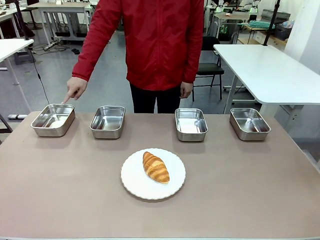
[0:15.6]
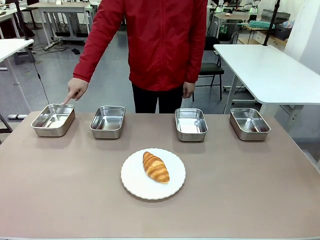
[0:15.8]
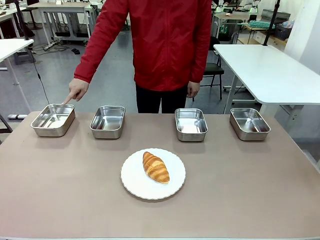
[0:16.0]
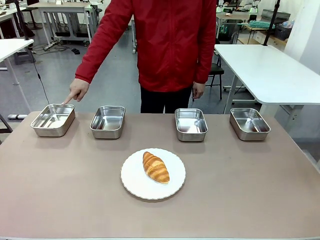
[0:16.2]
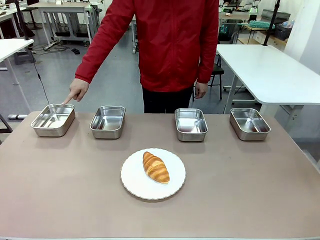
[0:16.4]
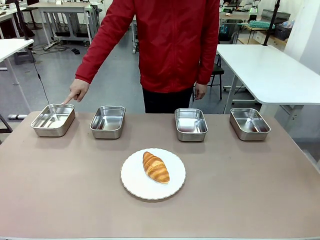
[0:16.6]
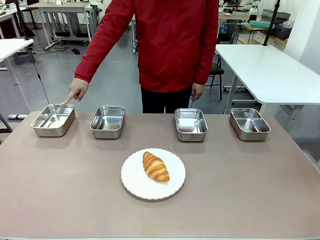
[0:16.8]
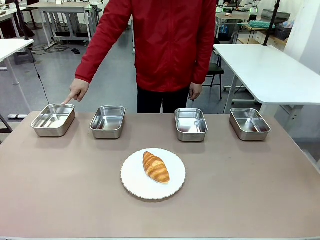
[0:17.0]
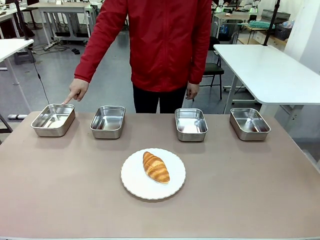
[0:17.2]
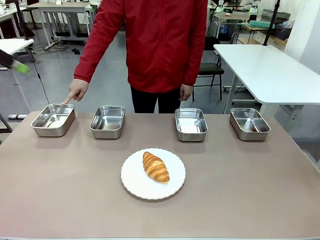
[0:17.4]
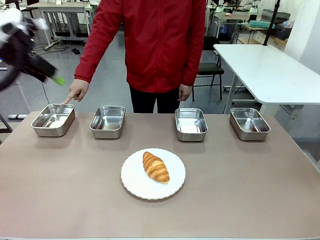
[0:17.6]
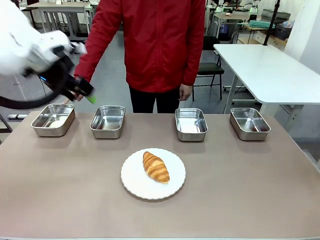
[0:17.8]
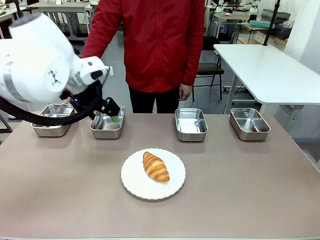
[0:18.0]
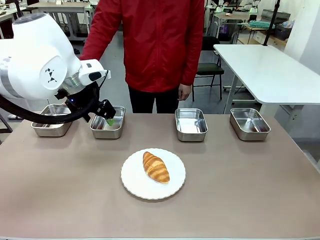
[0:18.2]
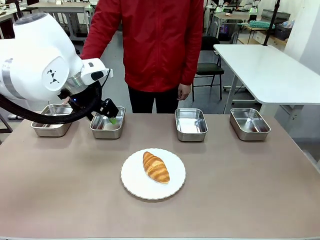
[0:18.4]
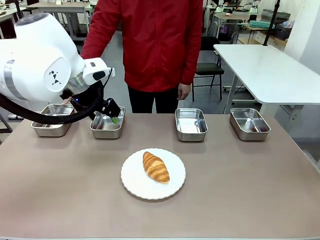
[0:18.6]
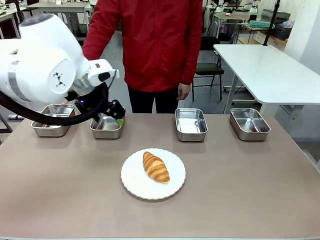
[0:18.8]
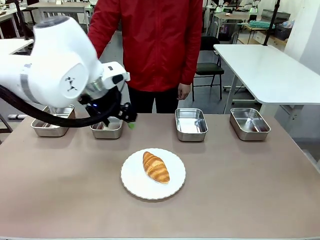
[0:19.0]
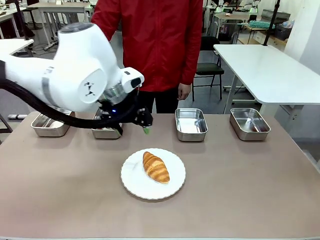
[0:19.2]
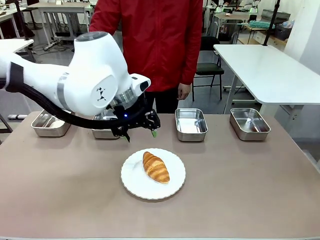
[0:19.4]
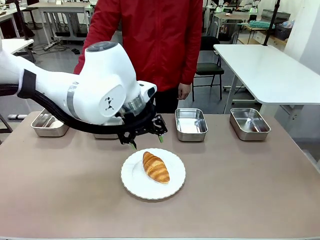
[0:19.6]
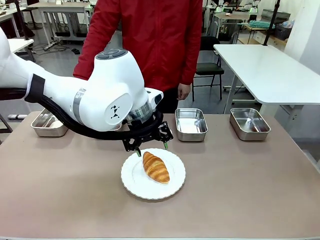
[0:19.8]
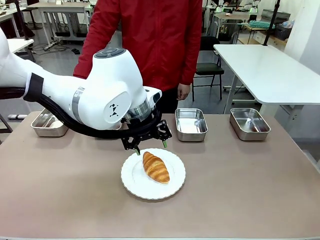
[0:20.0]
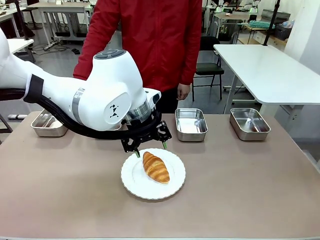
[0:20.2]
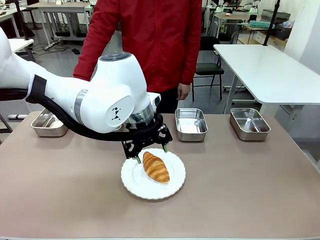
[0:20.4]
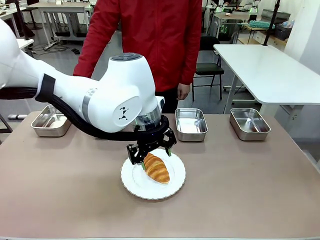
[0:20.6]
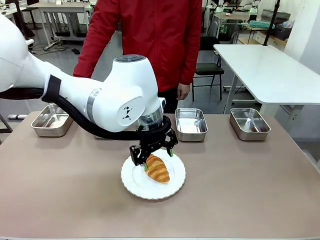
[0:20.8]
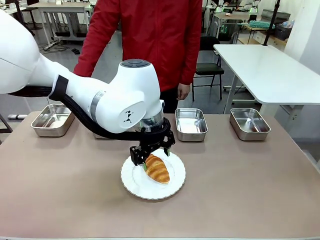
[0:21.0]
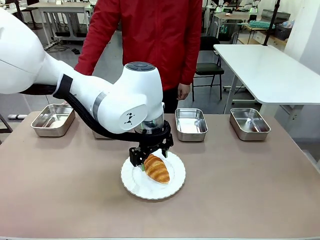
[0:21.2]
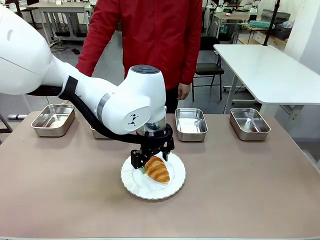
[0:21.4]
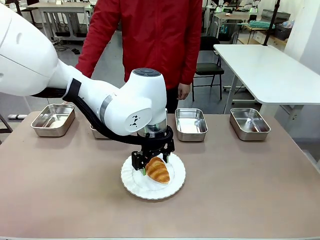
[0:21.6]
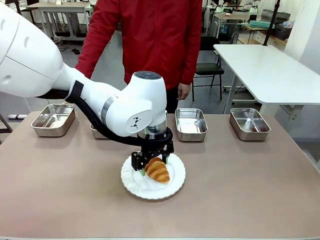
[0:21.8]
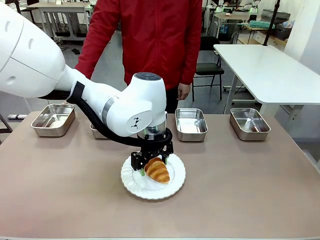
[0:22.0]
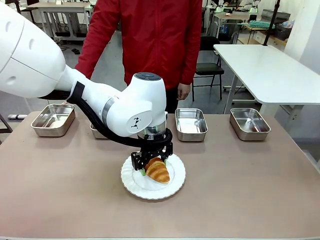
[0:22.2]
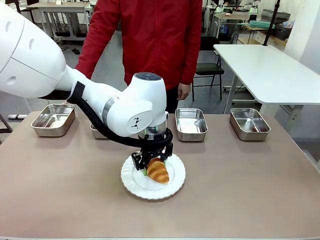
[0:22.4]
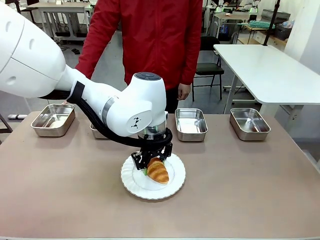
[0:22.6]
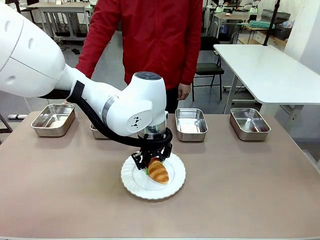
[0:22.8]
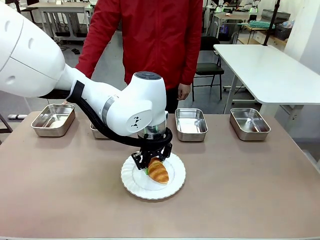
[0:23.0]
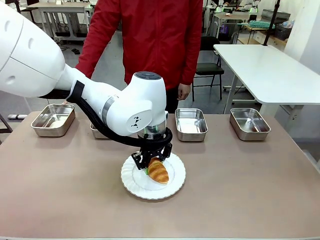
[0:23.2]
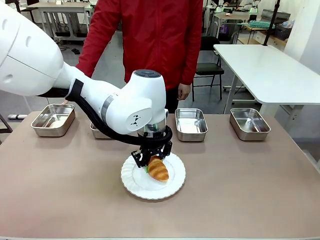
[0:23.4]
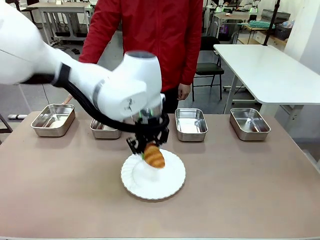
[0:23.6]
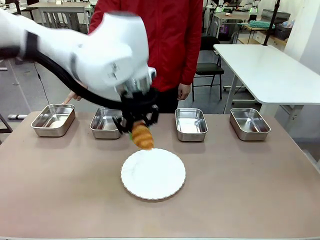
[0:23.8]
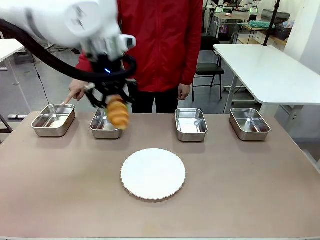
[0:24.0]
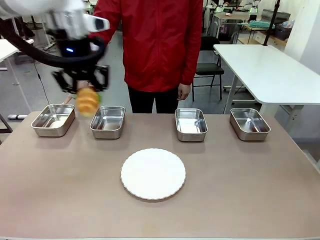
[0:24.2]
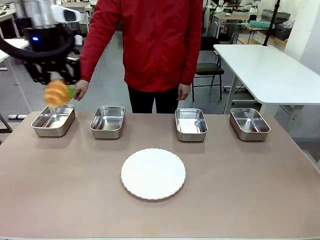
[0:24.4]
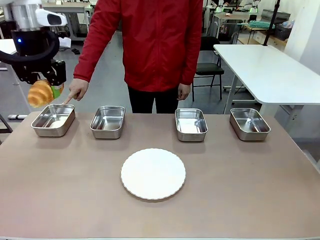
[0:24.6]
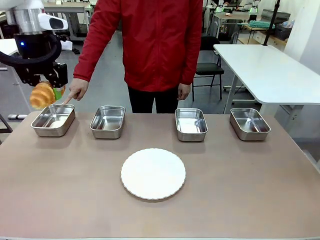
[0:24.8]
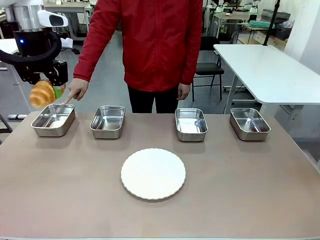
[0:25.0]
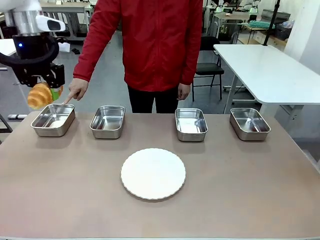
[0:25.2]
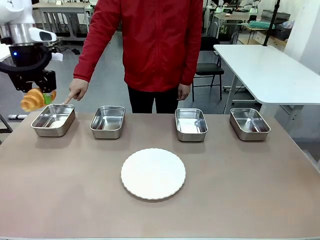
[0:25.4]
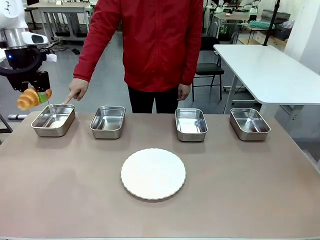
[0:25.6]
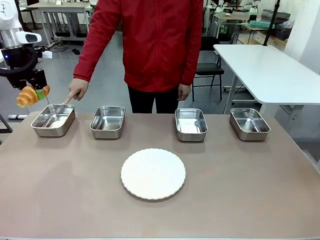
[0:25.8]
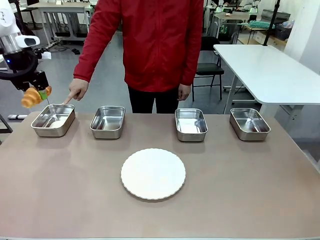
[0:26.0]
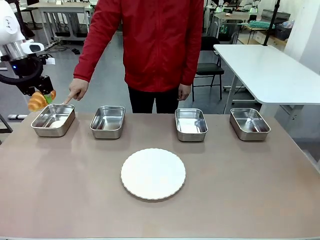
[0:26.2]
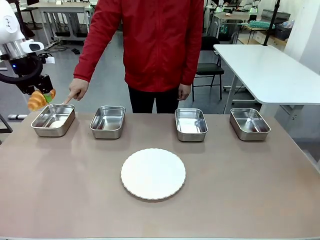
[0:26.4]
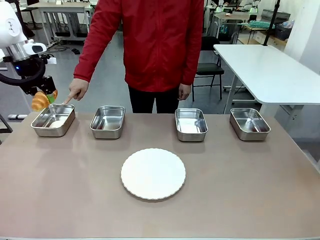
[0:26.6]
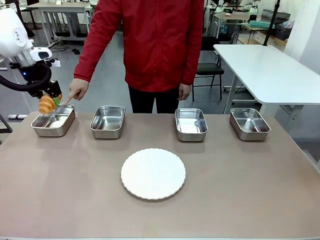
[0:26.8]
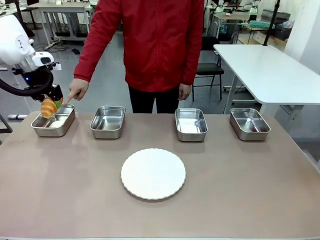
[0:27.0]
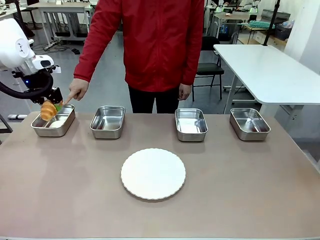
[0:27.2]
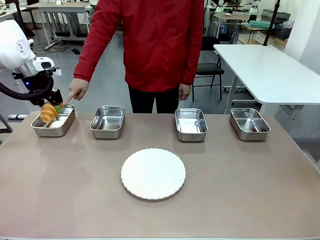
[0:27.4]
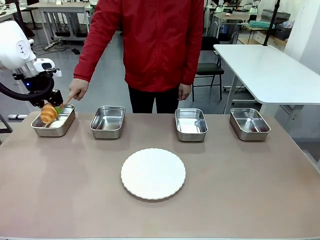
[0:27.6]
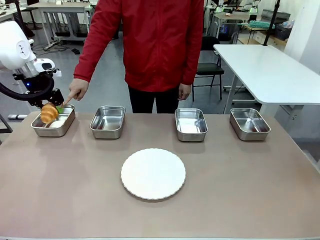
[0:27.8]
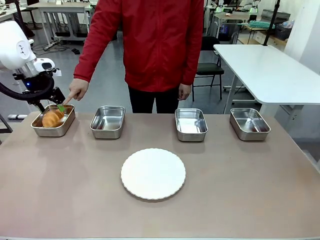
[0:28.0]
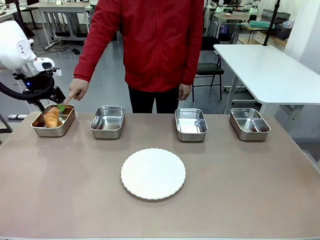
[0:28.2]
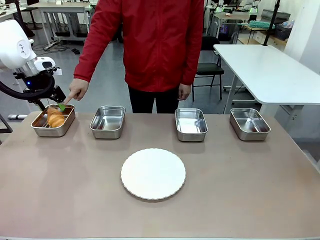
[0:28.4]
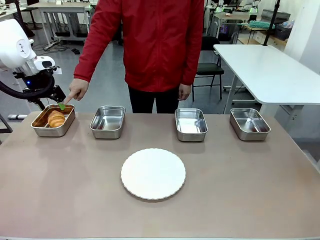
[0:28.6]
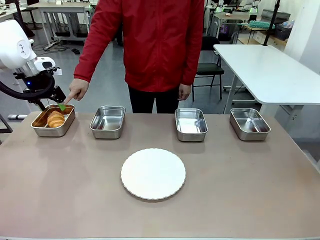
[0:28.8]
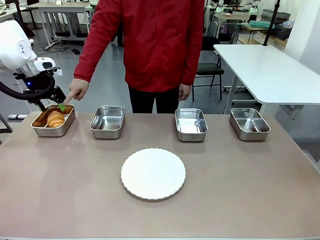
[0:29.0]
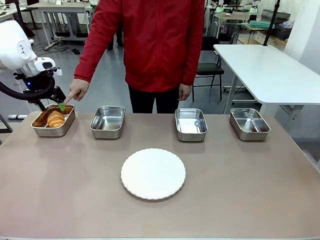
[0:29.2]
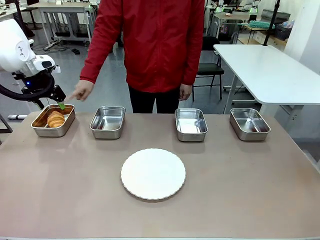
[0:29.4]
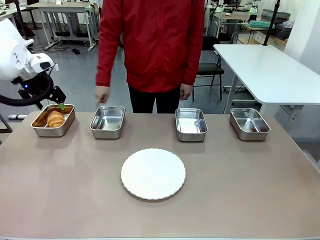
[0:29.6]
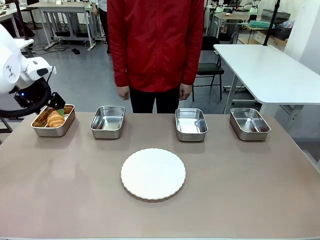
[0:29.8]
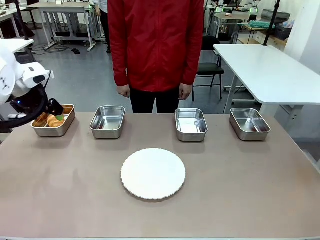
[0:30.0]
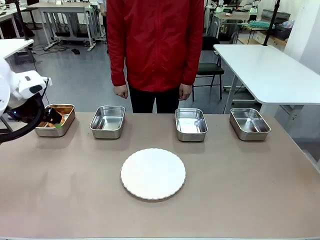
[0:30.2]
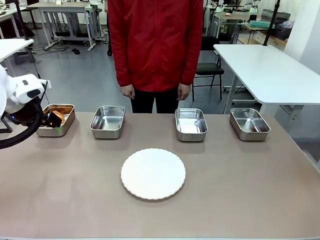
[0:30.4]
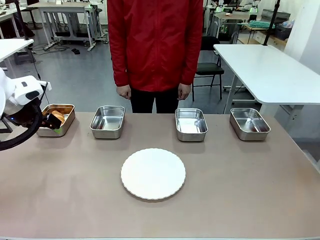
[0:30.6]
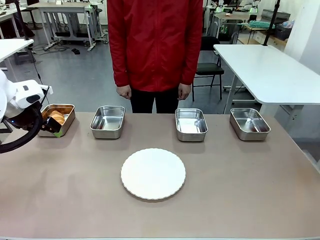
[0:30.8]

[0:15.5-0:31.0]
Task: Place the bread in the container.
Robot: Place the Butter Roll into the Airtight Container indicated by the human.
